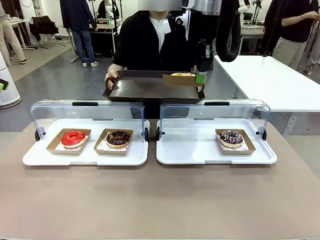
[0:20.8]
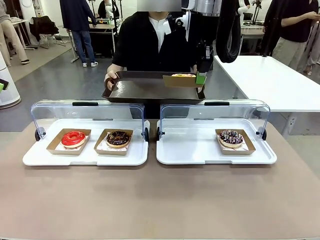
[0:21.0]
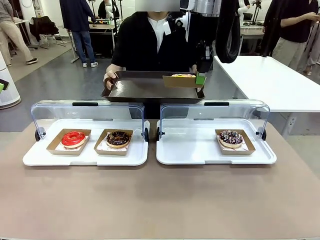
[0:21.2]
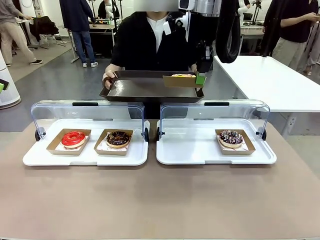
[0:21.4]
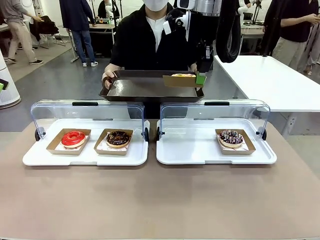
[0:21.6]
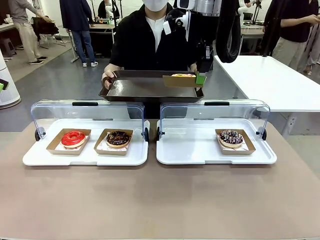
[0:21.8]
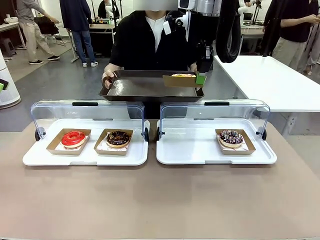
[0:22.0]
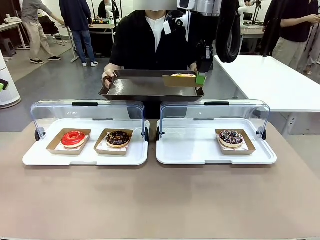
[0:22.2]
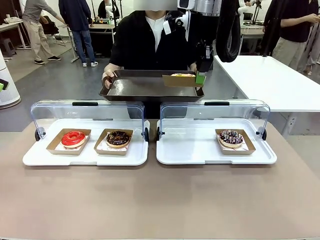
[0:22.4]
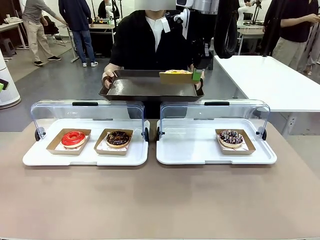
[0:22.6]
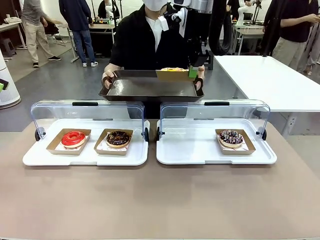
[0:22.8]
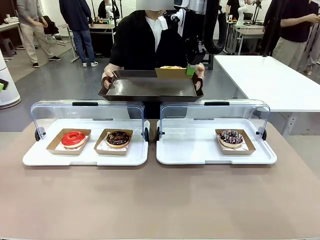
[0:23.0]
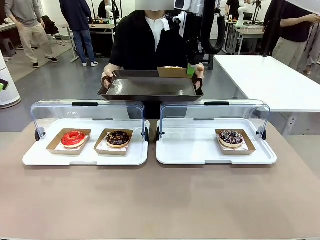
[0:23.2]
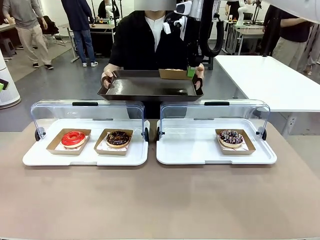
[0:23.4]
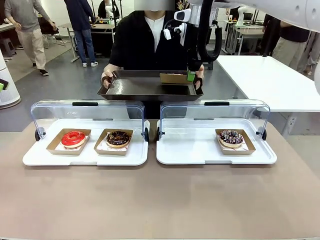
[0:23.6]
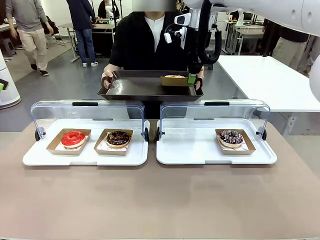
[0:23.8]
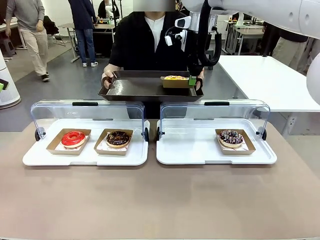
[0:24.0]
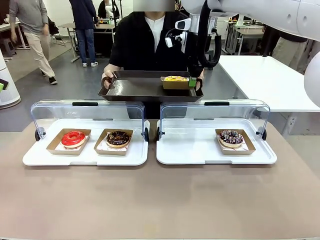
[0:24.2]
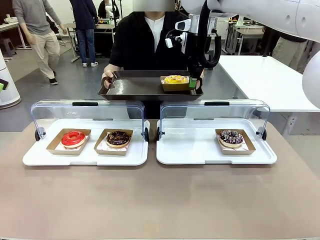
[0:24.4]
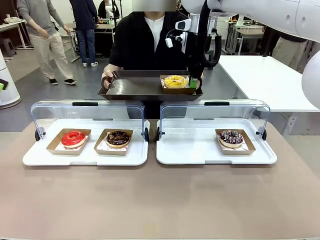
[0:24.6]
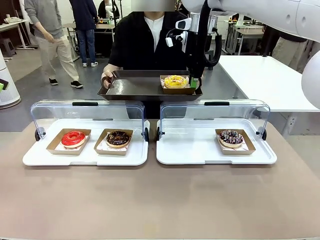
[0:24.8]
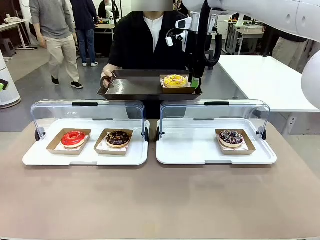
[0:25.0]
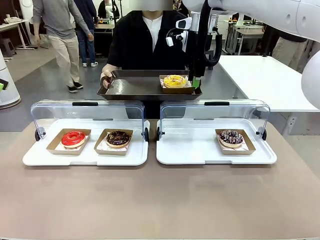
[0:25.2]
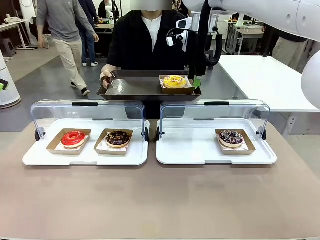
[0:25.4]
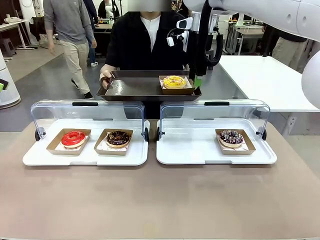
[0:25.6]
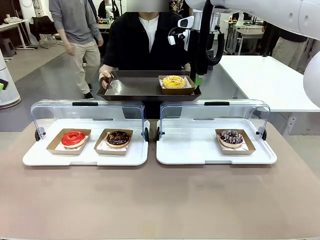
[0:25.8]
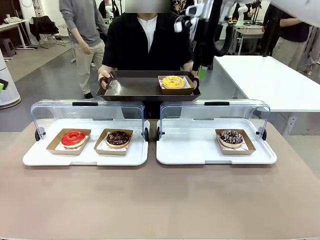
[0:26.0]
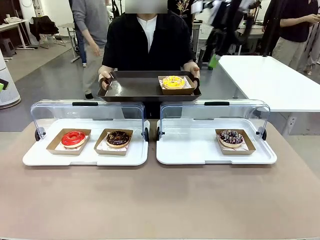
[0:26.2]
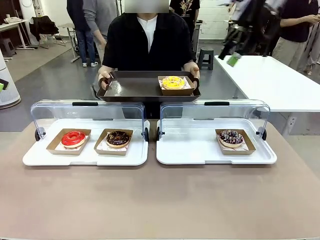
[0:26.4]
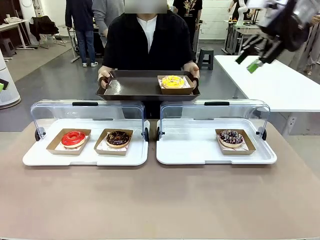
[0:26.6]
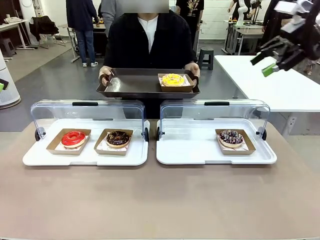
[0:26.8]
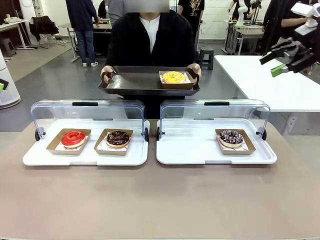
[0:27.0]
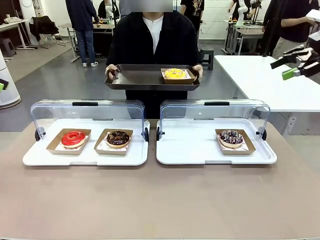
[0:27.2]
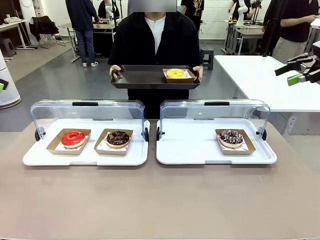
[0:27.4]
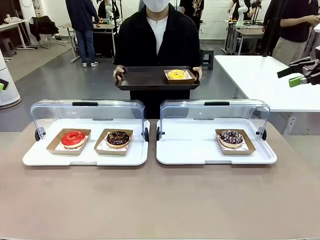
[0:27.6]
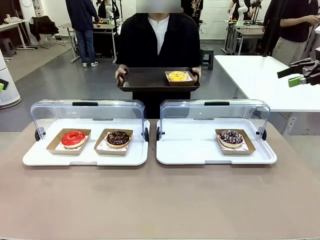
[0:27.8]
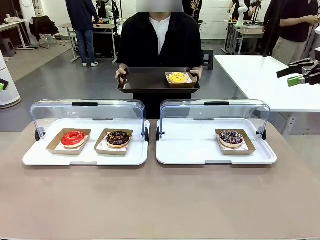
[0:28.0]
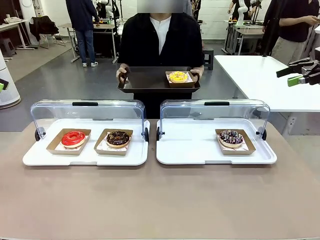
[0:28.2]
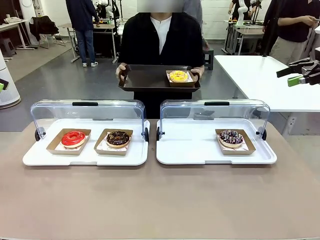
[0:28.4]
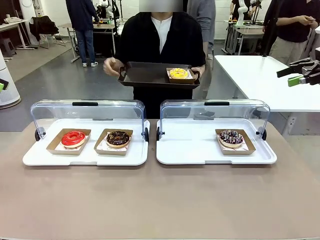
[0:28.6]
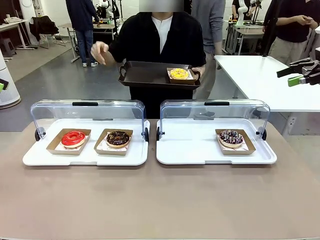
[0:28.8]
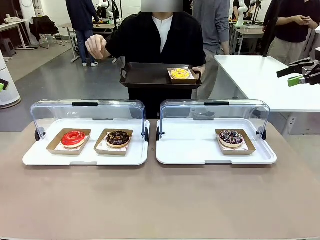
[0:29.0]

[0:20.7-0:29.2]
Task: Provide the desired donut to the person.
Robot: Place the picked Paper togo box onto the Handle tray extended by the person.
Person: Point to one donut.

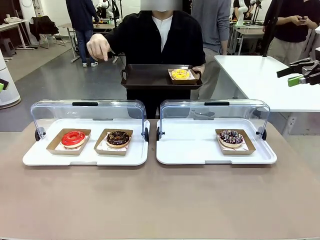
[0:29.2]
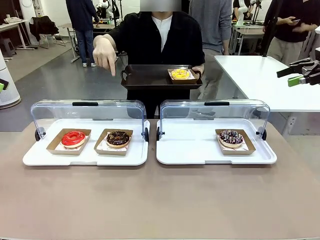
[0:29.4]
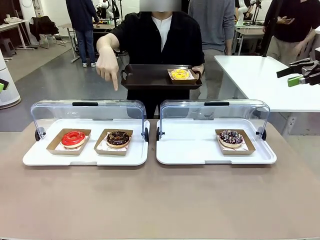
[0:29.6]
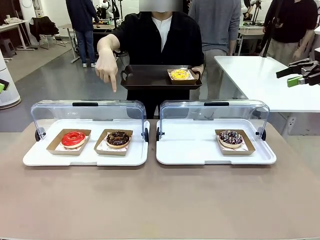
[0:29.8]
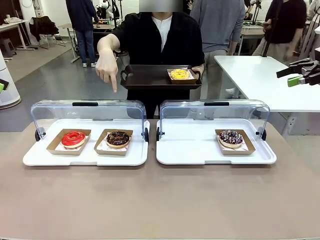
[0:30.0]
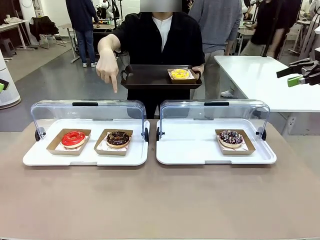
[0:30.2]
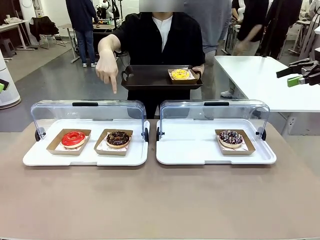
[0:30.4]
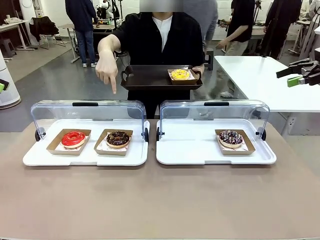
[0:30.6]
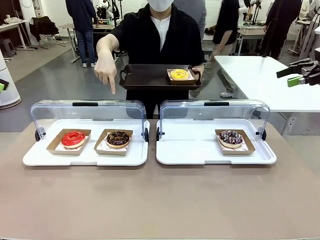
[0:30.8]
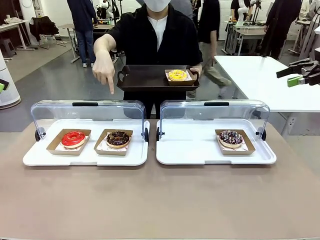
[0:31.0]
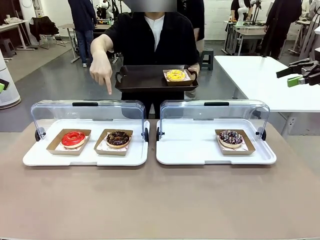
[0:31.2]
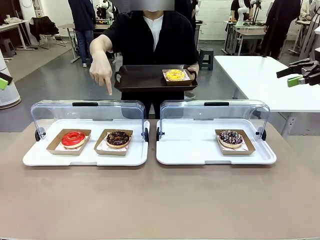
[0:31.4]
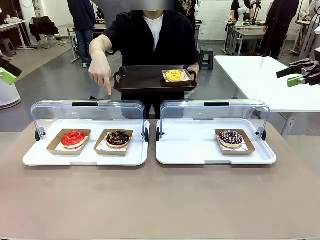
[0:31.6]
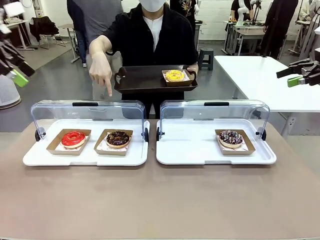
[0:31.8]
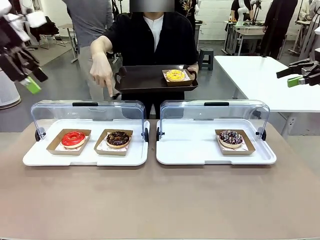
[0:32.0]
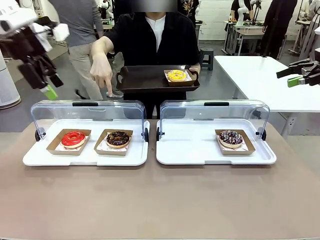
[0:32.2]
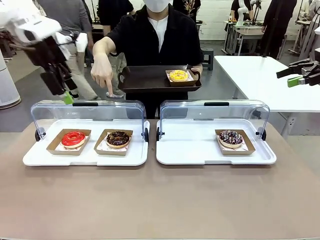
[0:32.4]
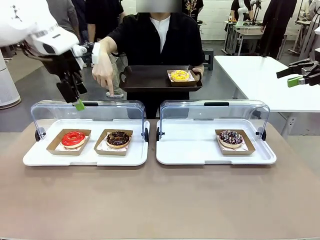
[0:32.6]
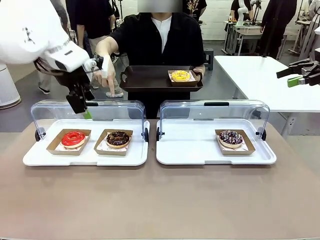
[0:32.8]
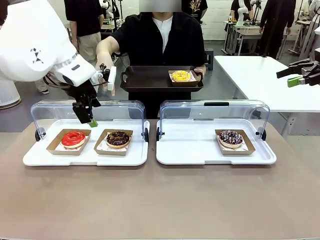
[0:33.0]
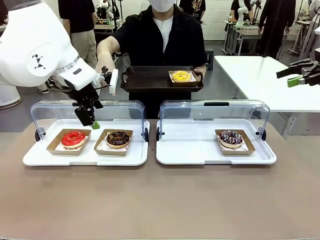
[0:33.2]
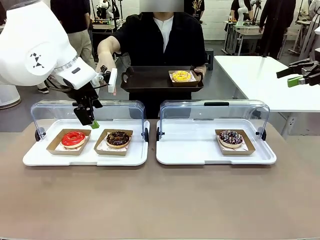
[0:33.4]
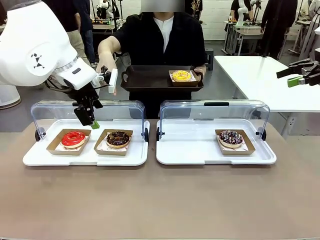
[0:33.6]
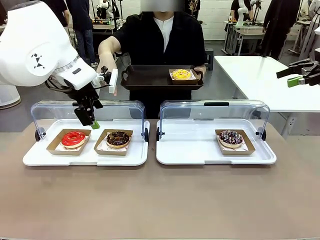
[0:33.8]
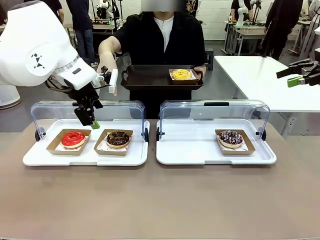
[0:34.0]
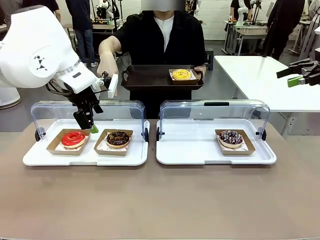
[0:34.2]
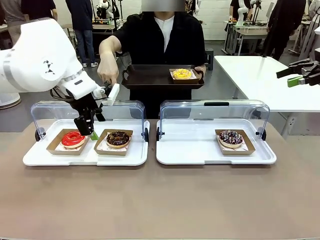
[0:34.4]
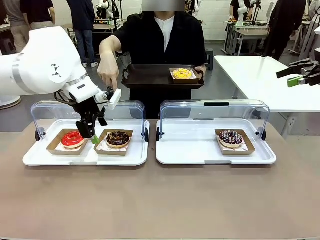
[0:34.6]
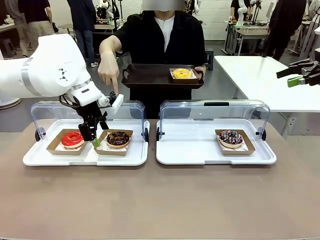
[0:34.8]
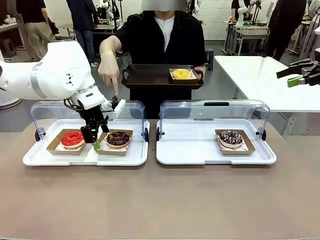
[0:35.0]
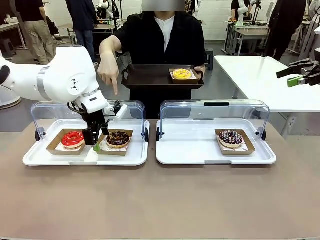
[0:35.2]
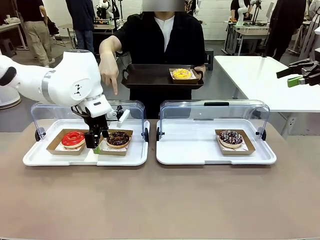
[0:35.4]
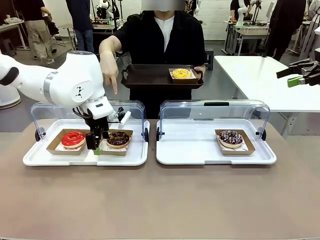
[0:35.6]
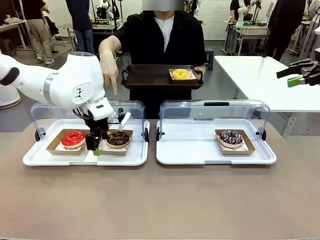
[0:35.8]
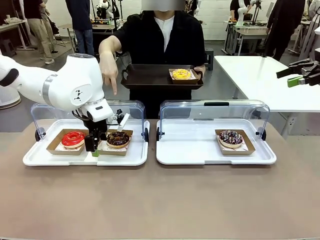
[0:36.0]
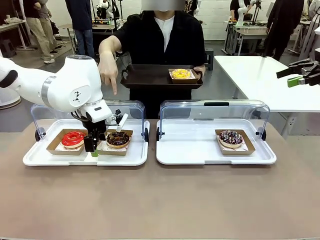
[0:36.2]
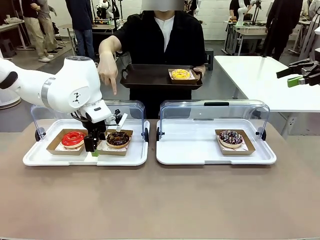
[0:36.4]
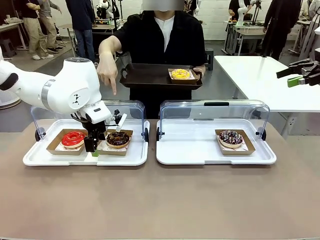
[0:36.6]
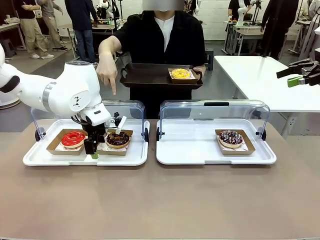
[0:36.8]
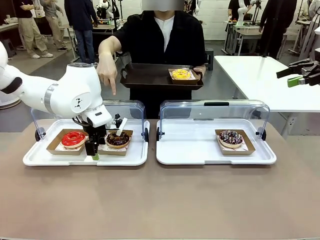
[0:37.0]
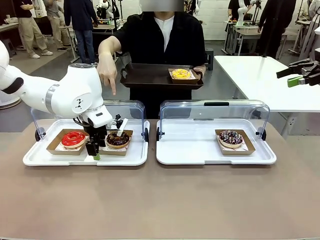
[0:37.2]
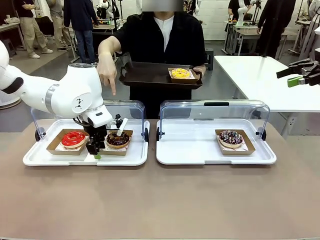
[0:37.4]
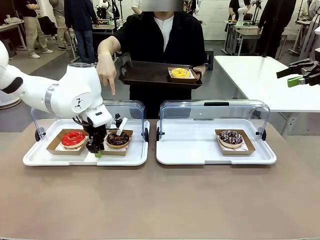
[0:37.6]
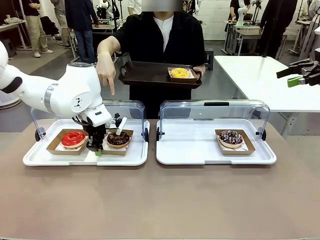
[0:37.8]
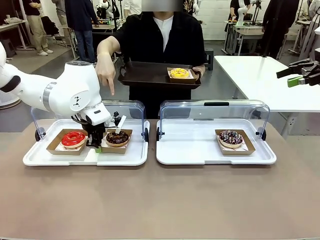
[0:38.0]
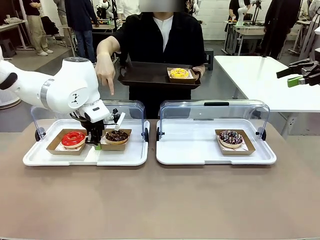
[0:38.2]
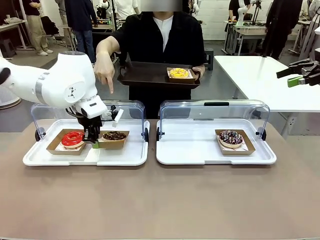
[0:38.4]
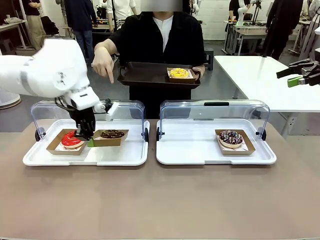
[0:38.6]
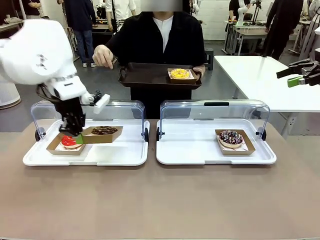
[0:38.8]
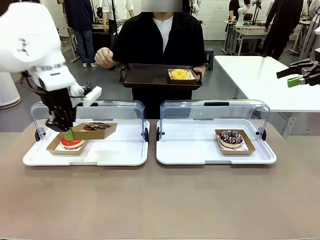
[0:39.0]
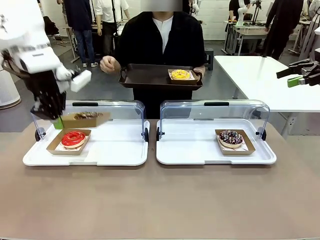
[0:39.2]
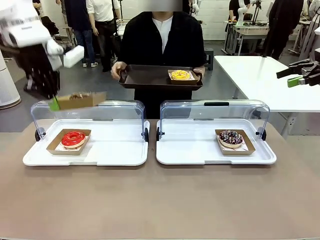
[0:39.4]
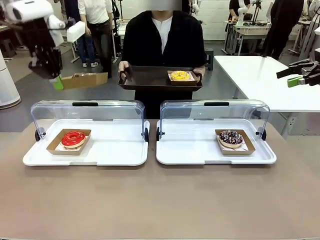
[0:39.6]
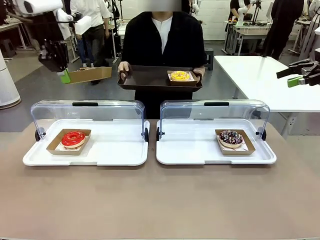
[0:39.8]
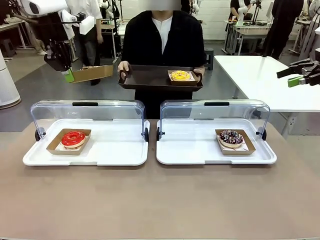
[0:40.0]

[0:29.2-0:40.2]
Robot: Pick up and lift the Paper togo box containing the Donut pointed at by the person.
Person: Lift the tray onto the Roll-Top Bakery Case.
